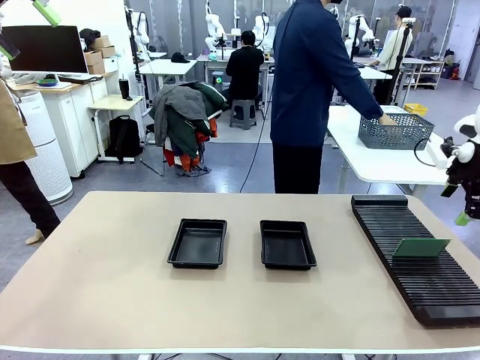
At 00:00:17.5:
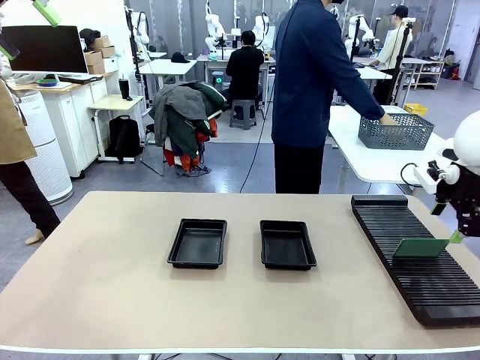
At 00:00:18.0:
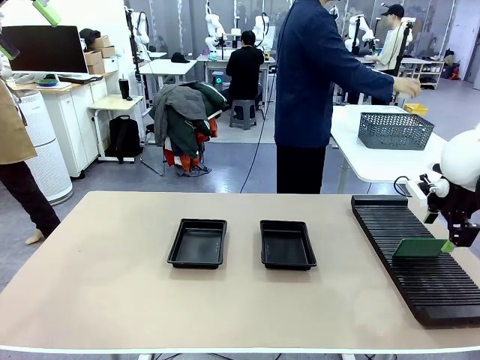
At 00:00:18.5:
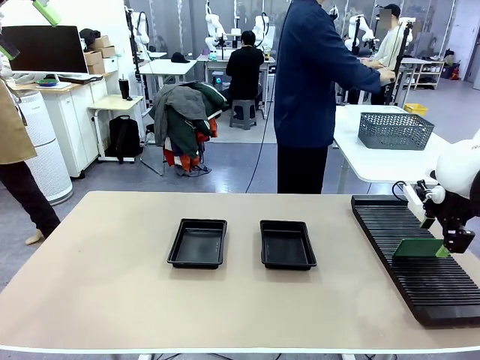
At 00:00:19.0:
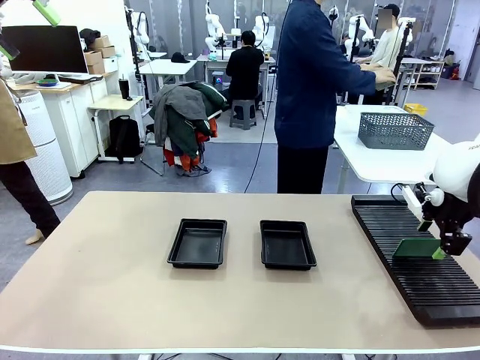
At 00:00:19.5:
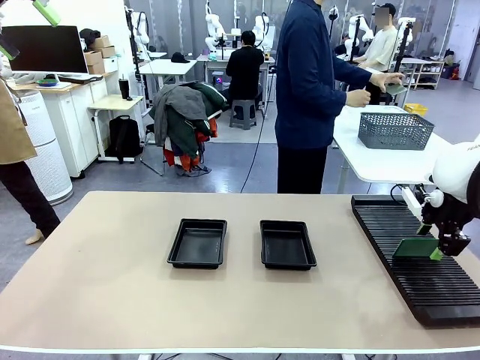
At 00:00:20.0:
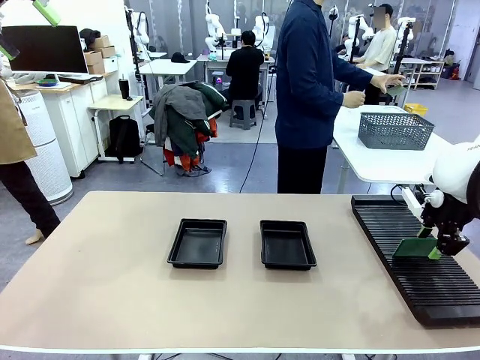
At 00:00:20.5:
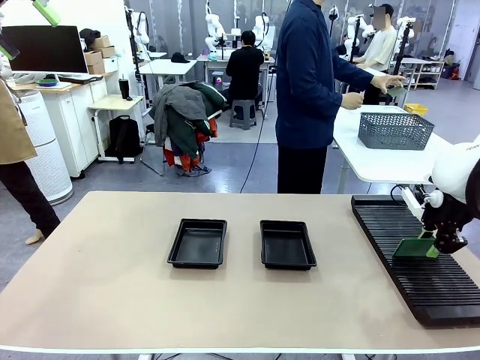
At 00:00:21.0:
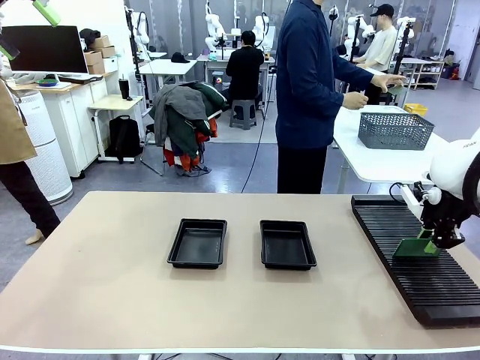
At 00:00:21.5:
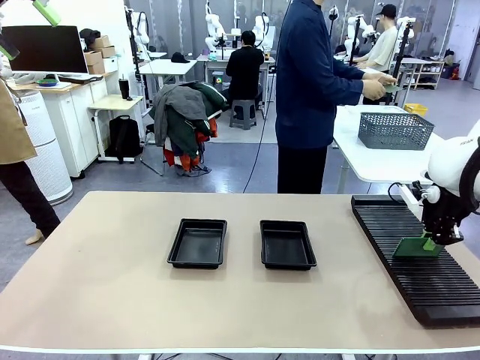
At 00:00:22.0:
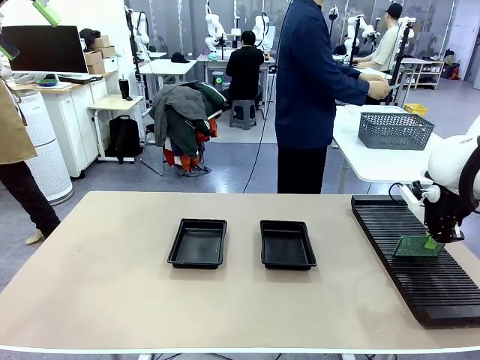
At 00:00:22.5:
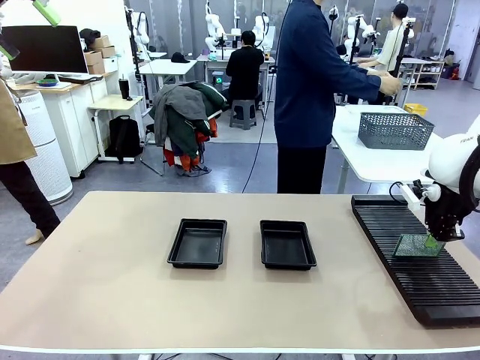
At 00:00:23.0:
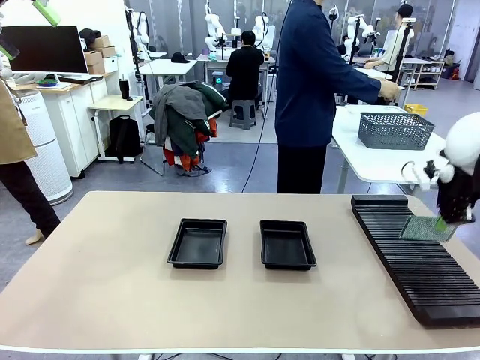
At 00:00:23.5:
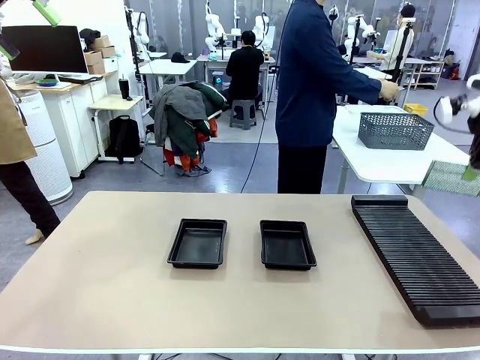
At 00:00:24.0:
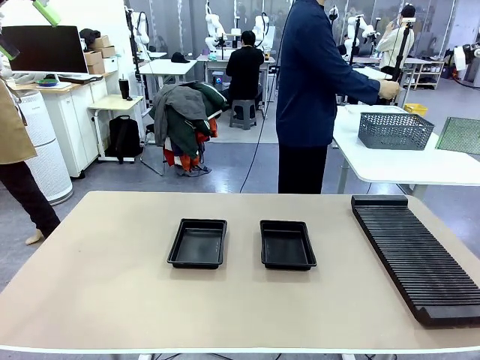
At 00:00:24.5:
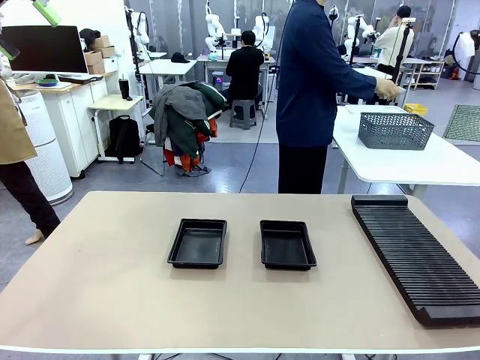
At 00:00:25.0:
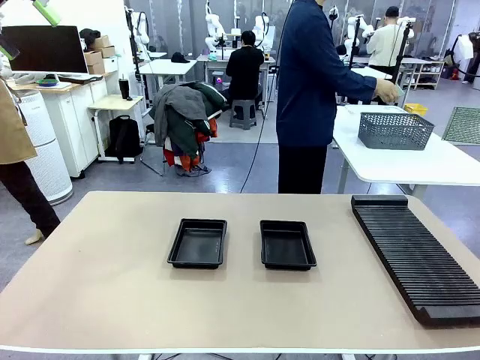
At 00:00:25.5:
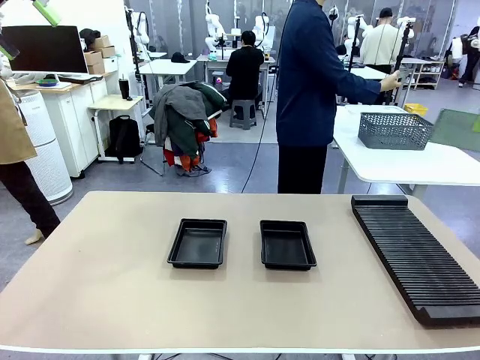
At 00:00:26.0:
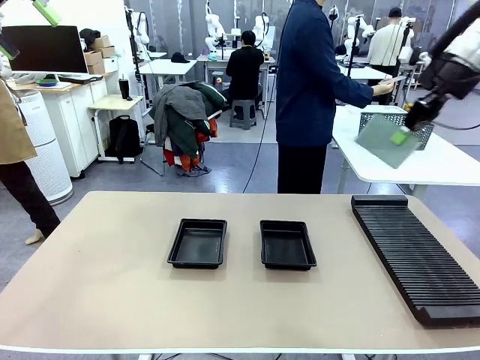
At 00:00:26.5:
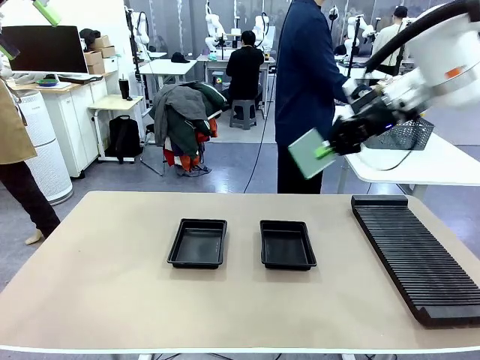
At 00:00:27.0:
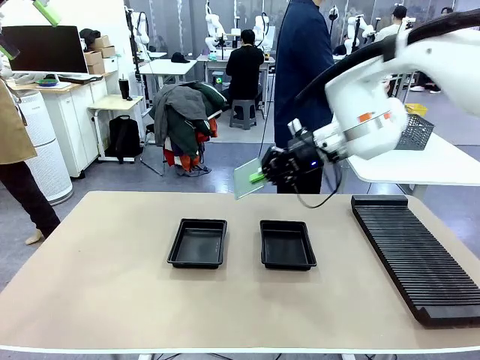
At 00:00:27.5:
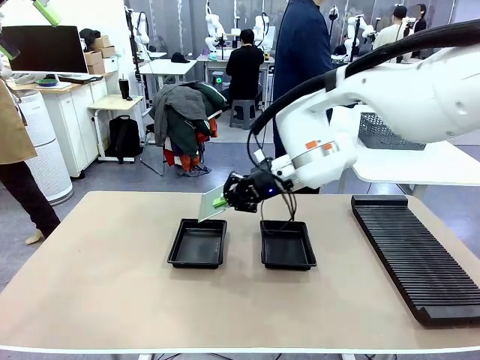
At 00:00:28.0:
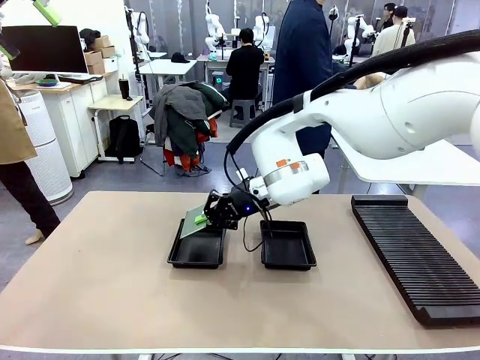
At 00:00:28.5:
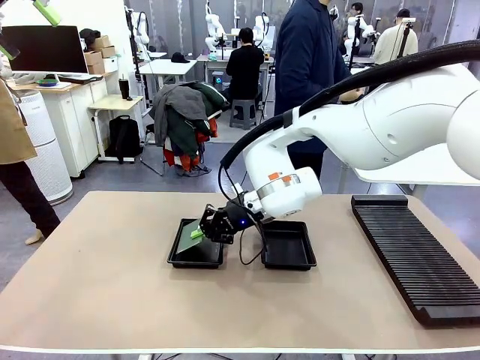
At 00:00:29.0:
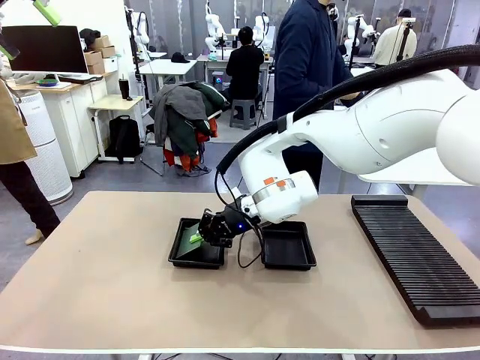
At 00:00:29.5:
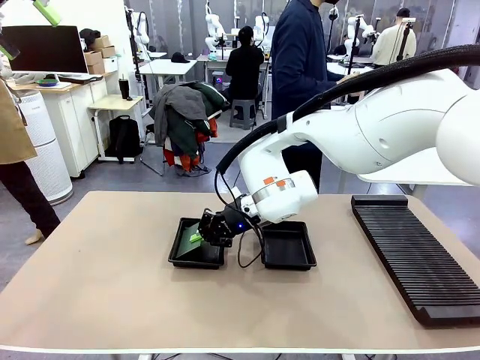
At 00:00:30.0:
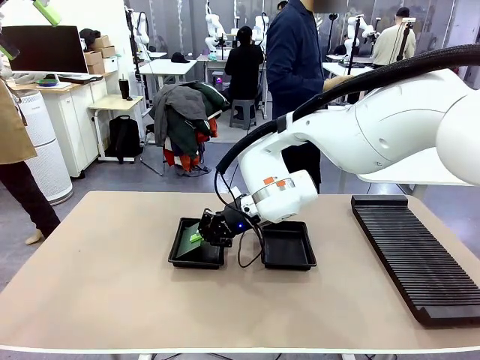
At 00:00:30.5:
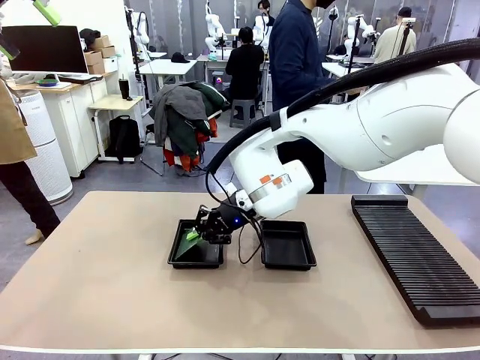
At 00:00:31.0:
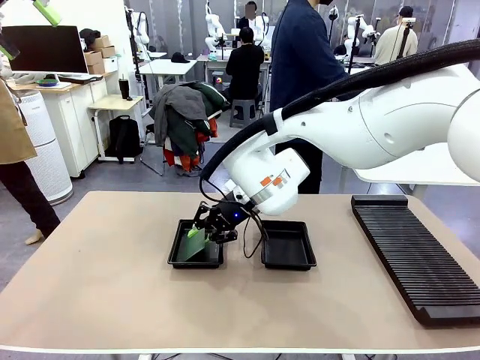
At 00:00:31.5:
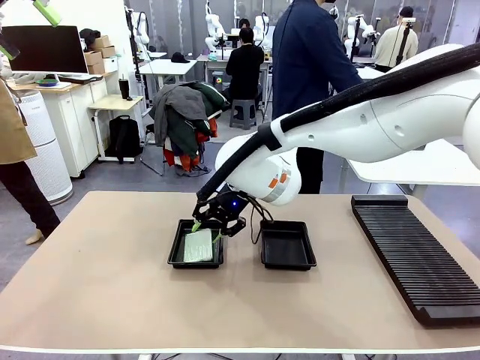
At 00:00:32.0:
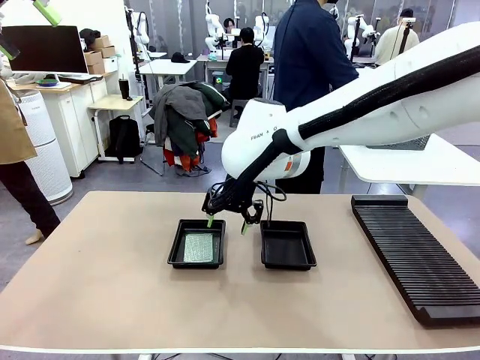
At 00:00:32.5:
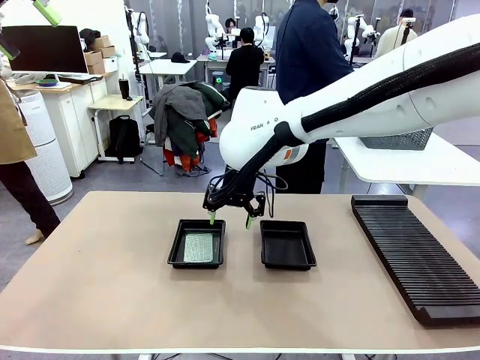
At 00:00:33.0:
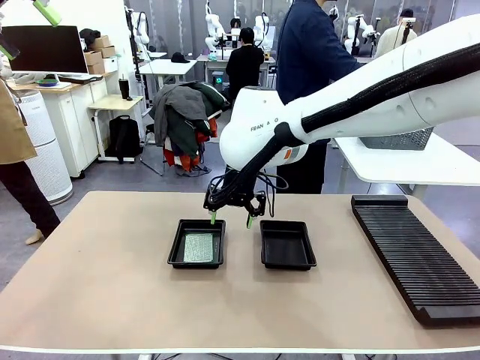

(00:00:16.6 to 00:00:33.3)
Task: Inspect and transfer BCBs to ESD trays.
Robot: Pick up the Blank PCB from the PCB Rack and place it in the left ESD tray.
